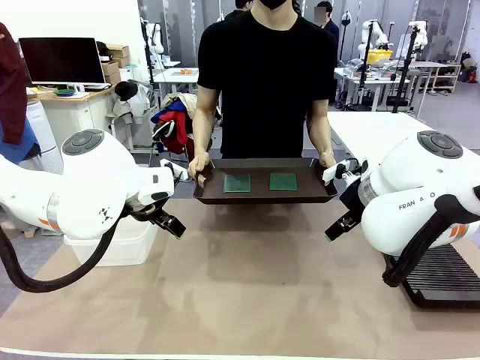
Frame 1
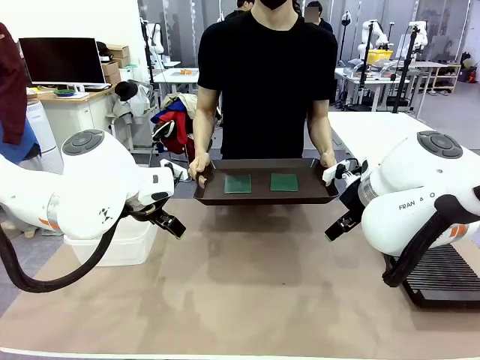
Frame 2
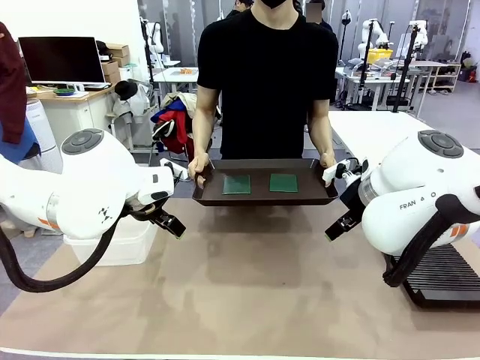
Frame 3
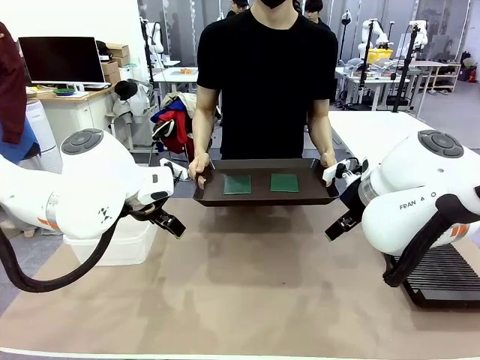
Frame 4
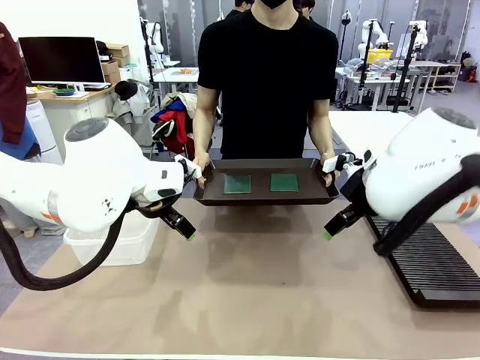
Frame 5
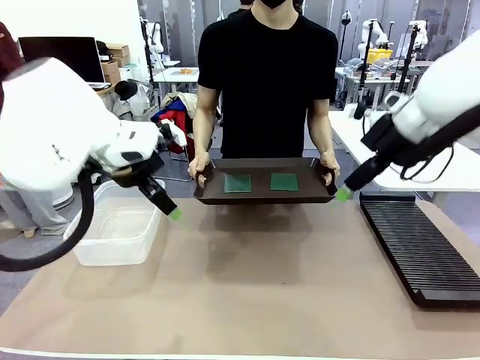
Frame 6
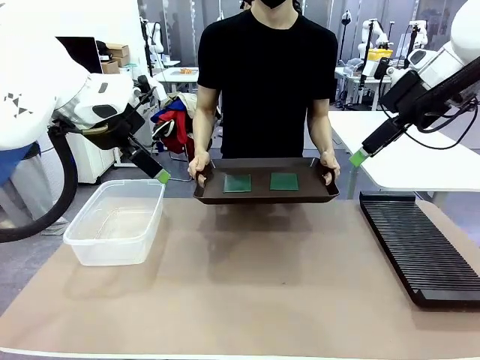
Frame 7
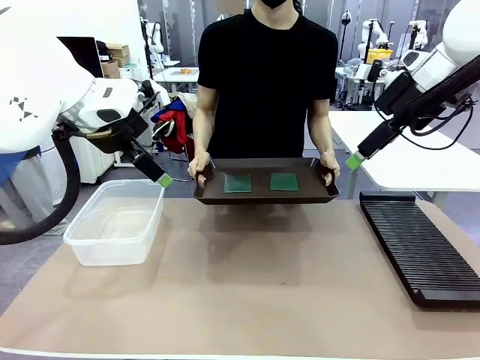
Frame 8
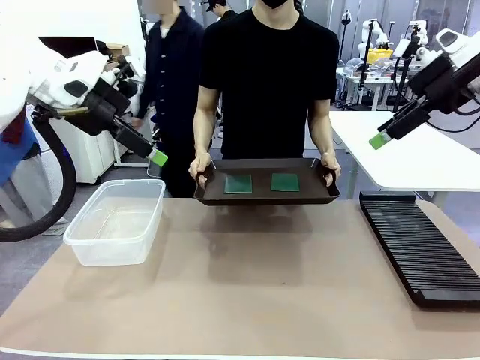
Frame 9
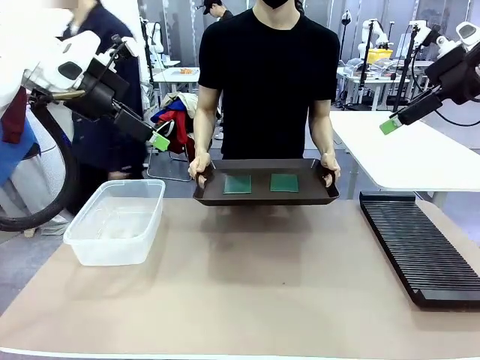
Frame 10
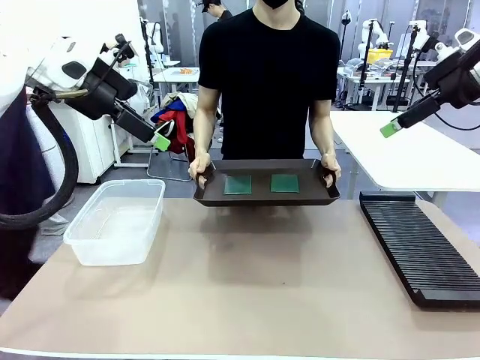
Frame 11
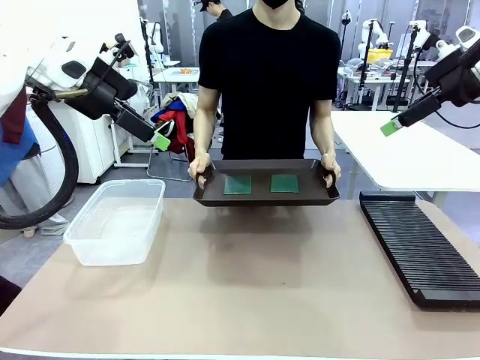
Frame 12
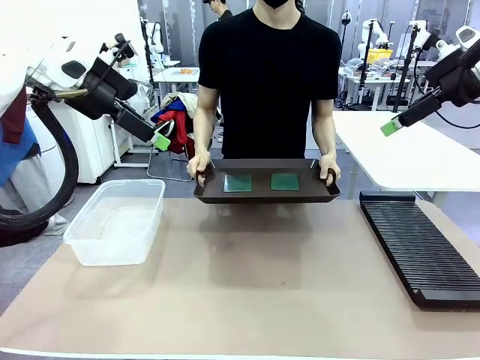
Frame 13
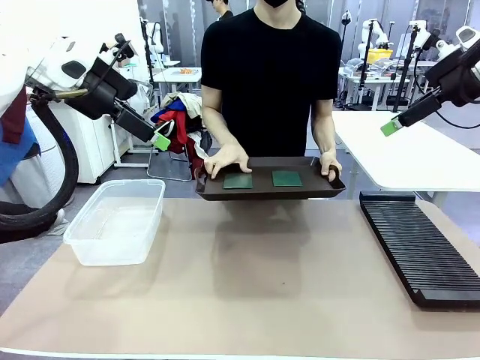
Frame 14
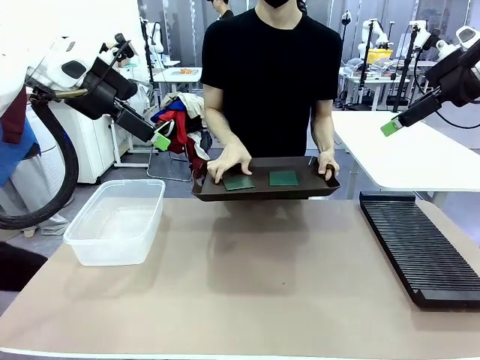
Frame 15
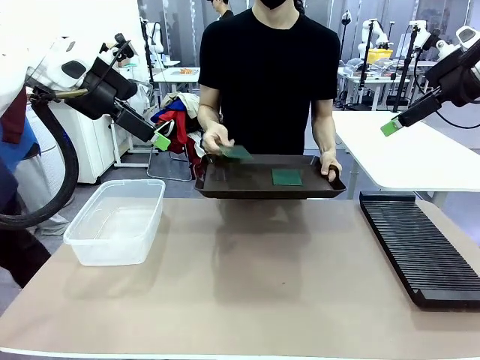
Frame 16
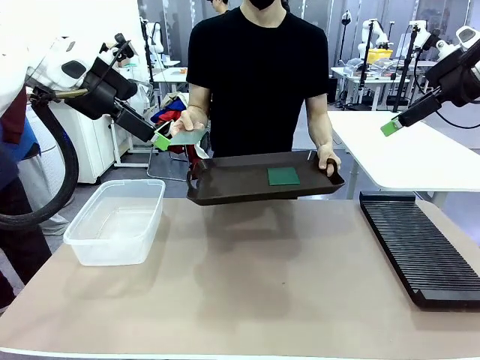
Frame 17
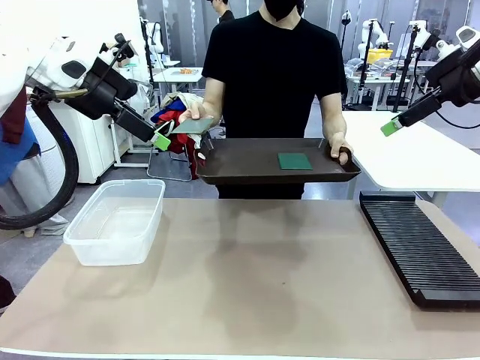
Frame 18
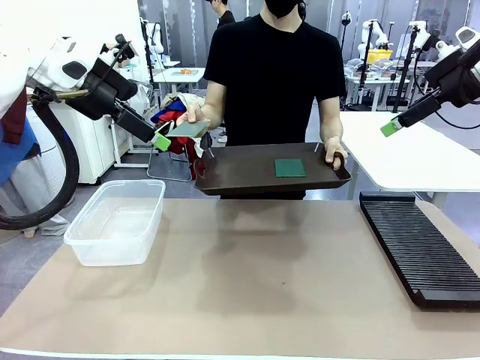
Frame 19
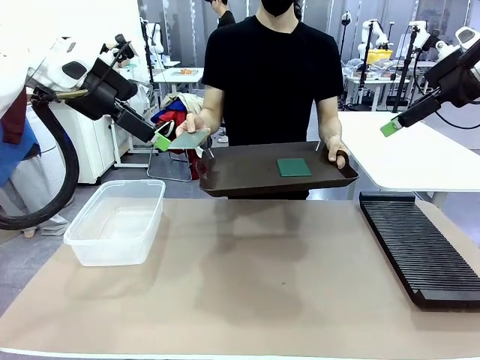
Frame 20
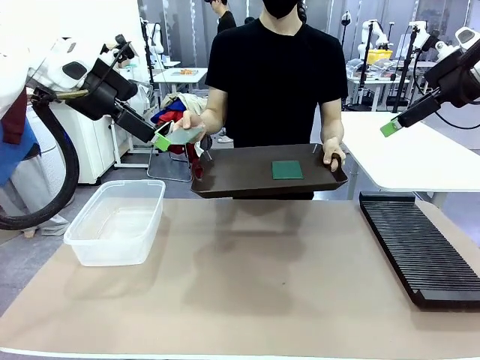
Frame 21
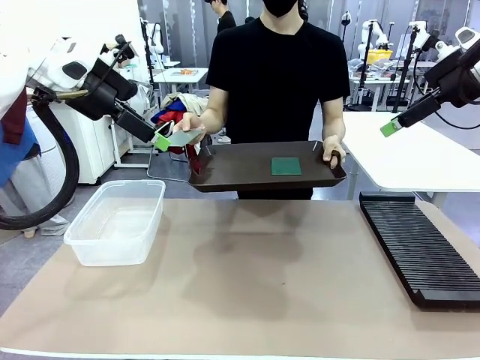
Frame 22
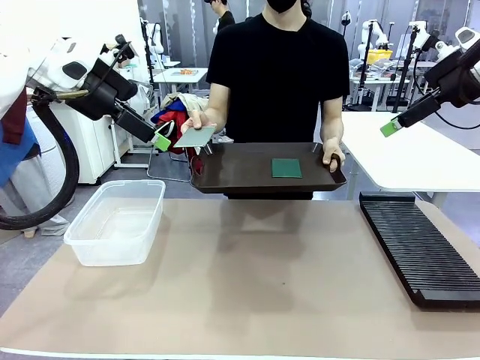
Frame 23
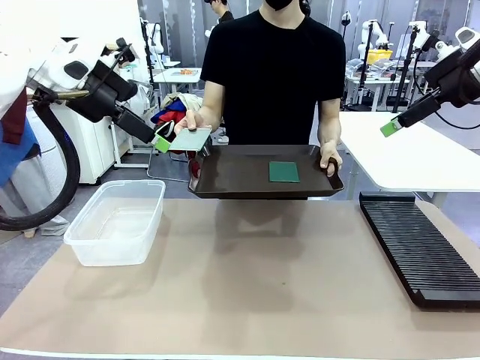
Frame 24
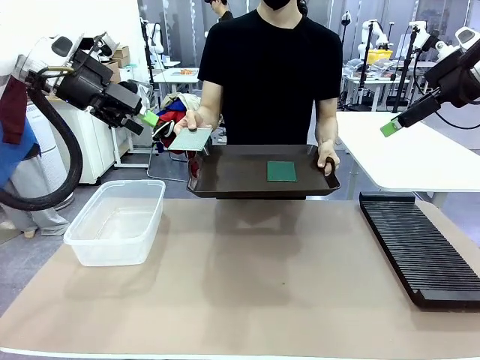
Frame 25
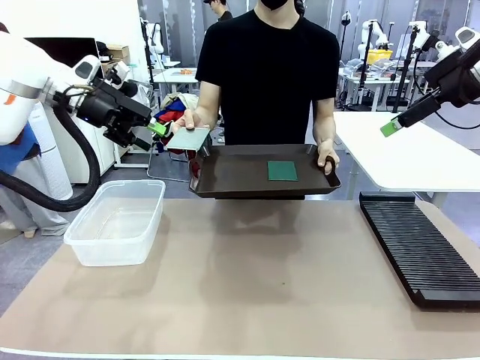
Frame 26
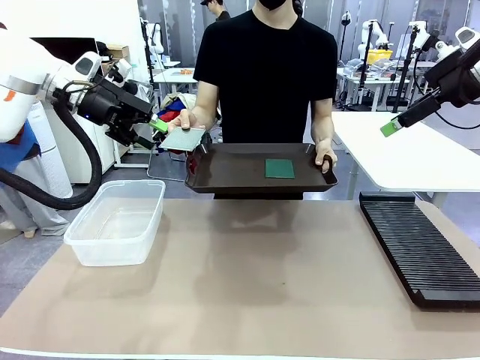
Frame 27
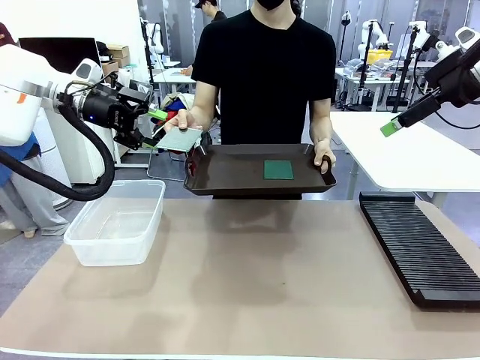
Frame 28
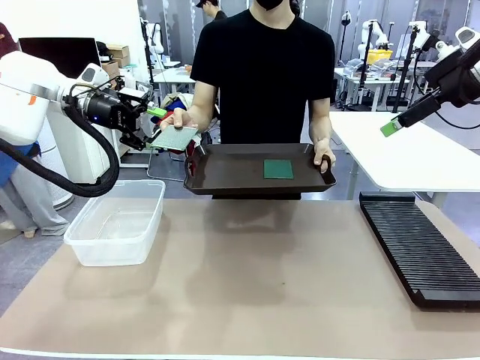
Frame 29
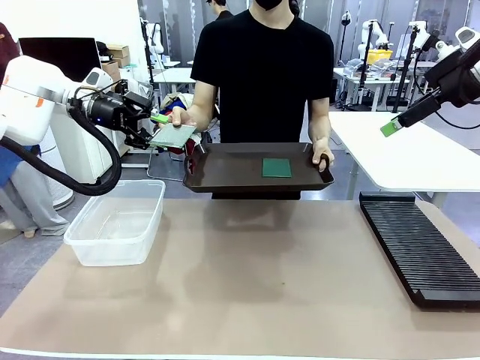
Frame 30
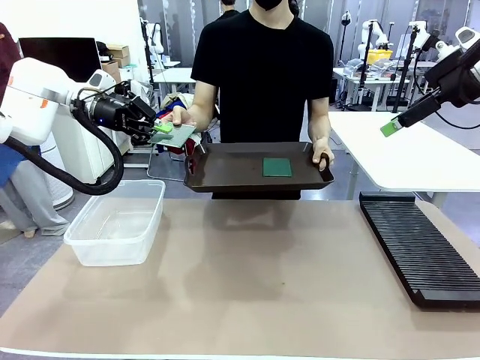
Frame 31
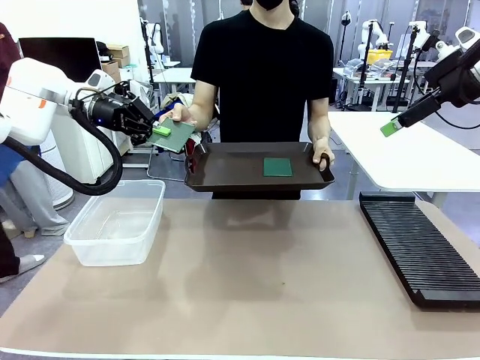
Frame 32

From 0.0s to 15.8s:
Task: Sort PCBs into racks and boxes based on the side picked up.
Robot: Pick up the Blank PCB handed by the Human.
Person: Pick one PCB from the tray and present it to the robot. Release the PCB being held.

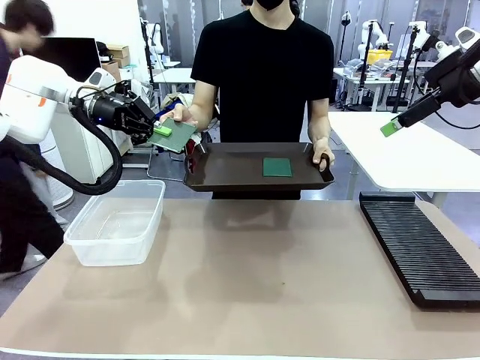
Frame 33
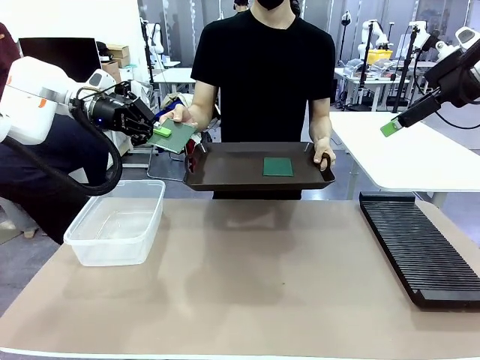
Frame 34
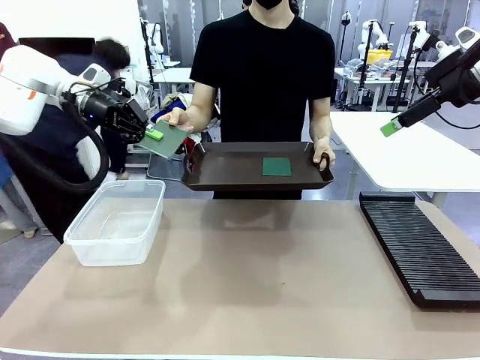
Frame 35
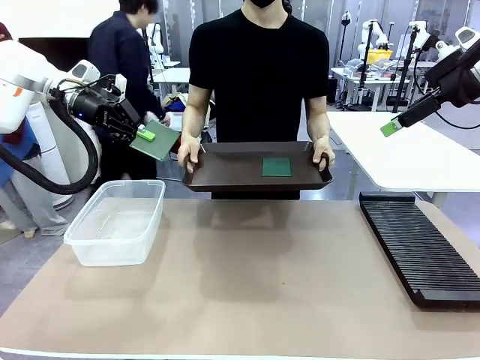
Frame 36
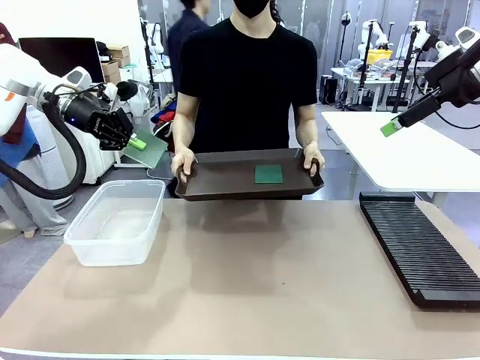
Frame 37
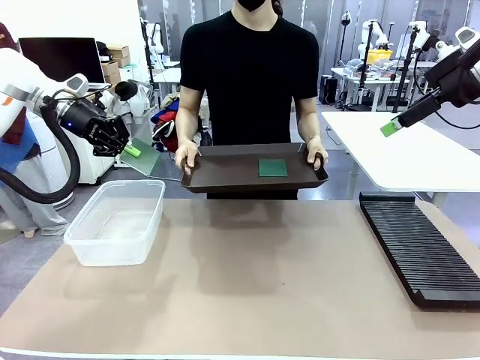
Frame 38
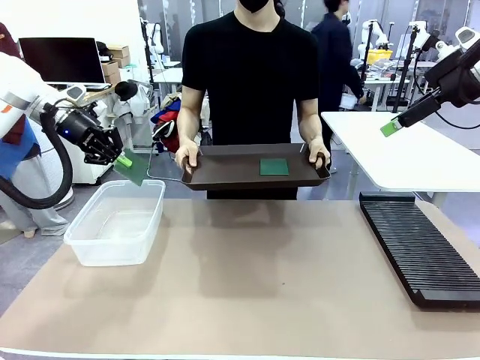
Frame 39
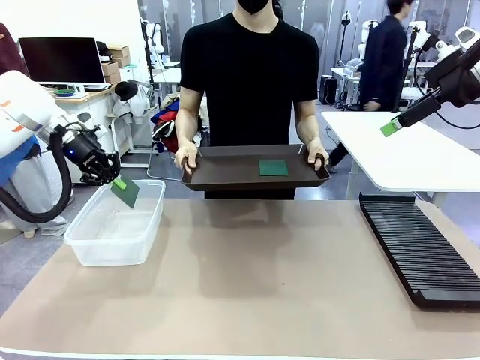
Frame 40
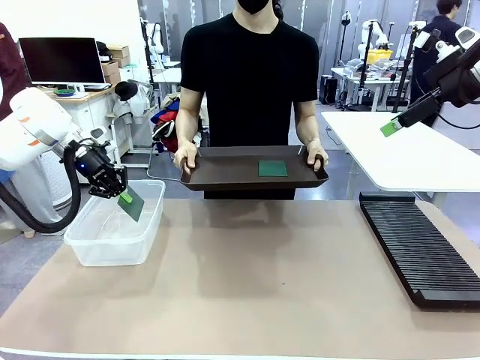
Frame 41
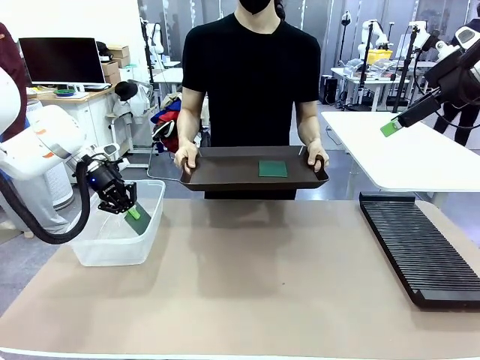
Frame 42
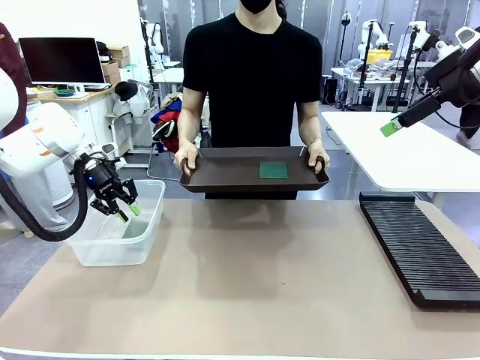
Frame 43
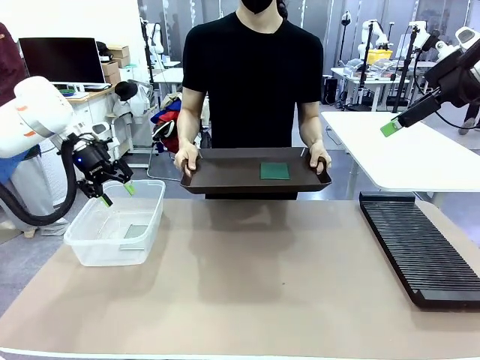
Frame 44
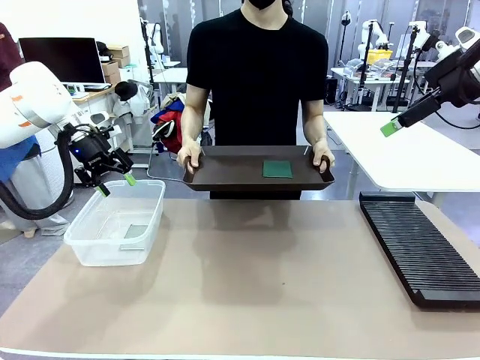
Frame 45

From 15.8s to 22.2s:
Robot: If the short side of the Blank PCB is picked up, insert it into the PCB Rack ; if the long side is picked up, place it in the Organizing box.

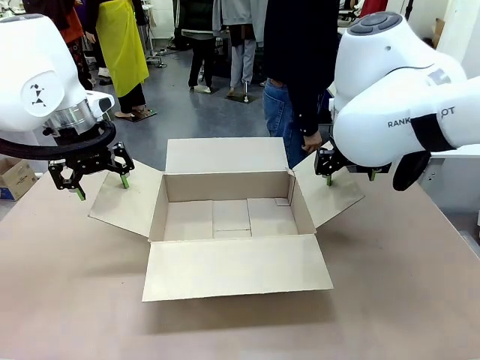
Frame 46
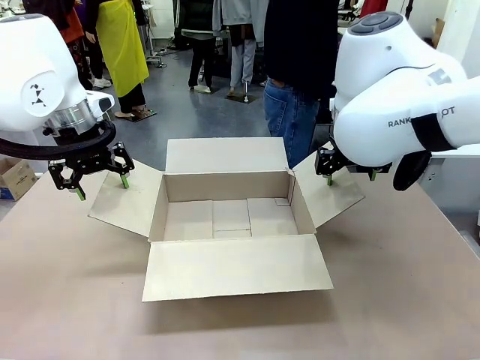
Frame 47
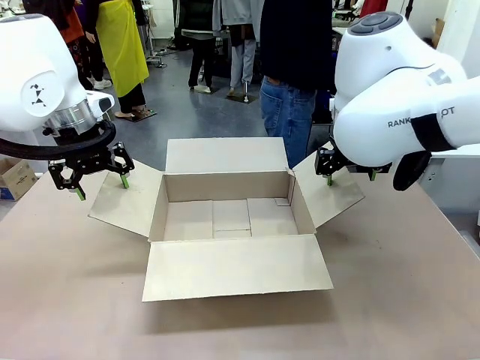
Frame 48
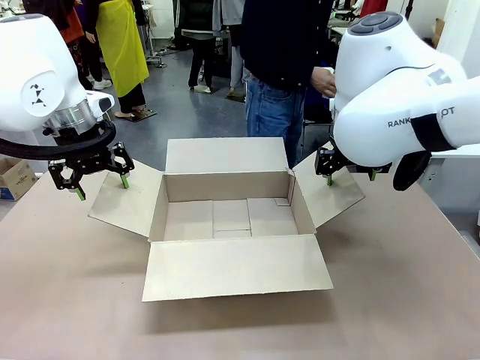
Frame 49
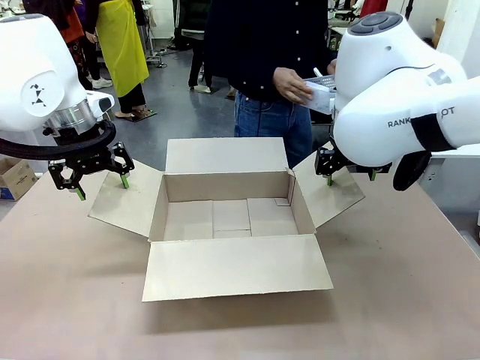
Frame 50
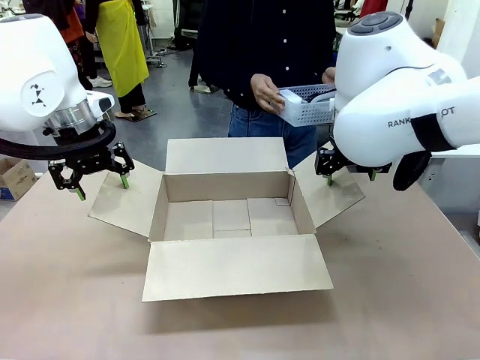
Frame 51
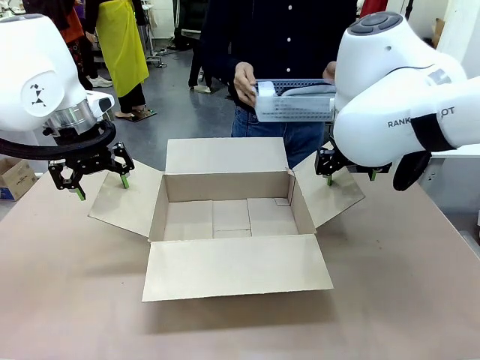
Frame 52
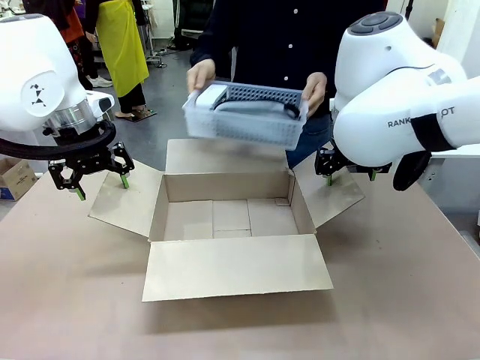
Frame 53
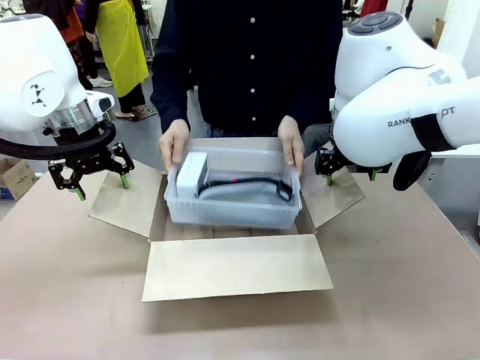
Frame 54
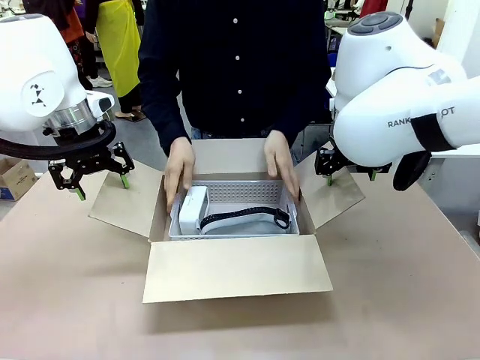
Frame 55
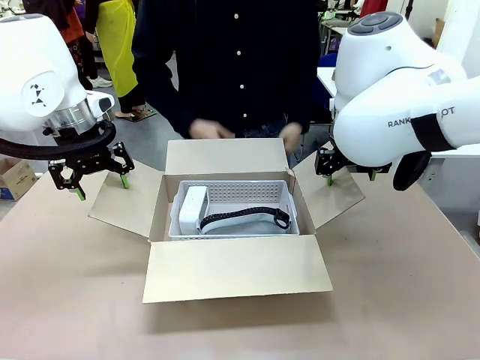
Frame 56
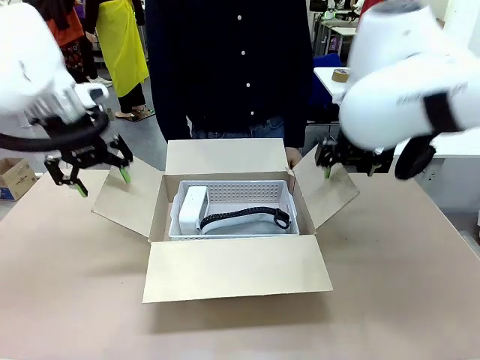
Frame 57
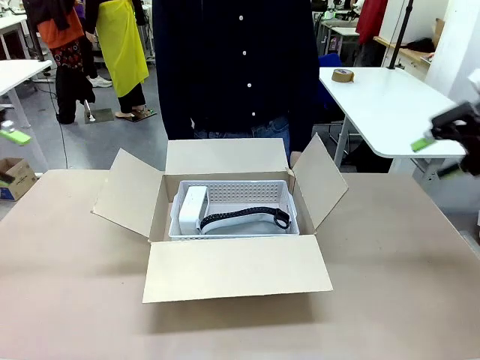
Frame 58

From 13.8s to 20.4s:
Task: Pack the gift set into the box.
Robot: Lift both hands away from the flaps of the Package Box.
Person: The human picks up the organizing basket and places the organizing basket into the package box on the robot table.
